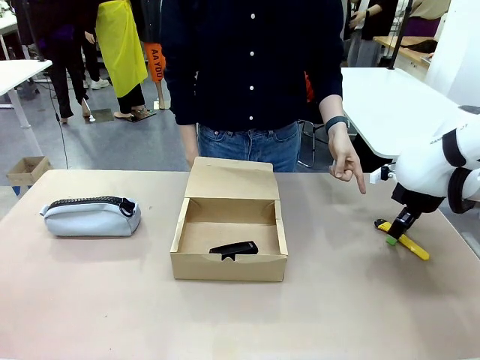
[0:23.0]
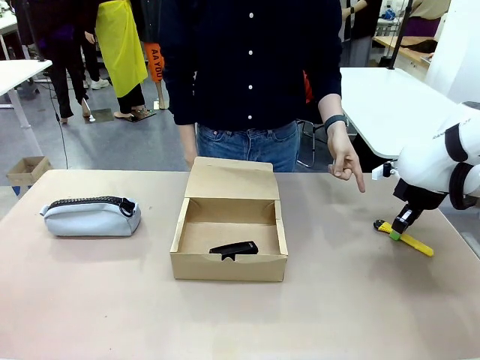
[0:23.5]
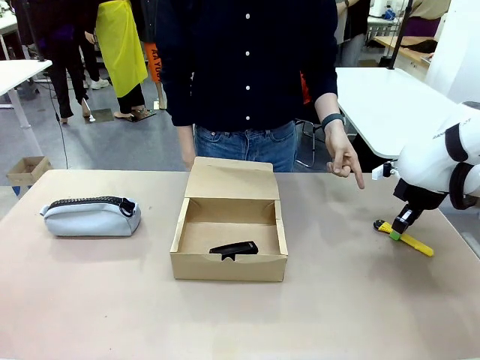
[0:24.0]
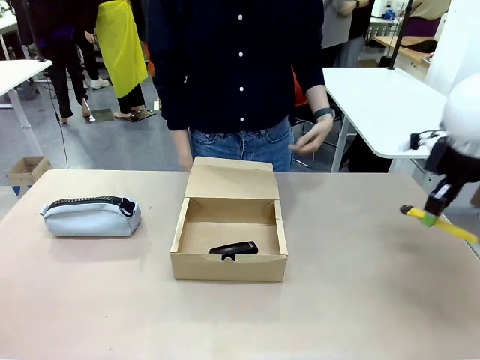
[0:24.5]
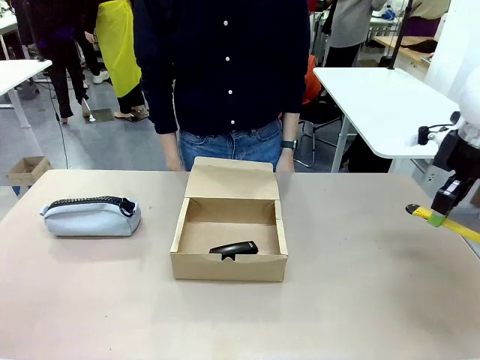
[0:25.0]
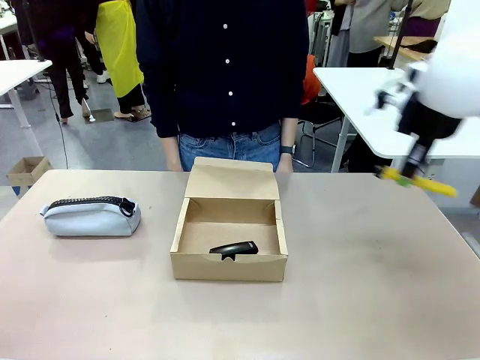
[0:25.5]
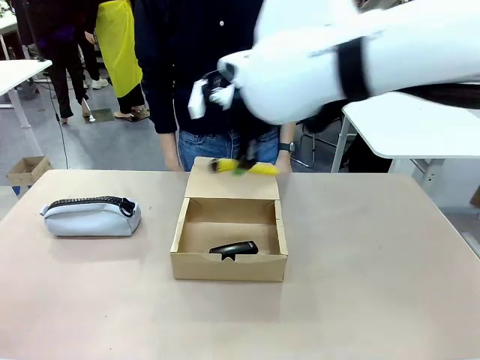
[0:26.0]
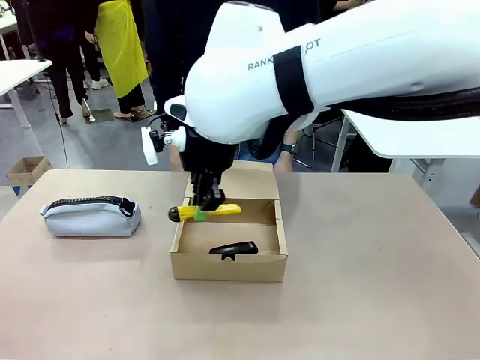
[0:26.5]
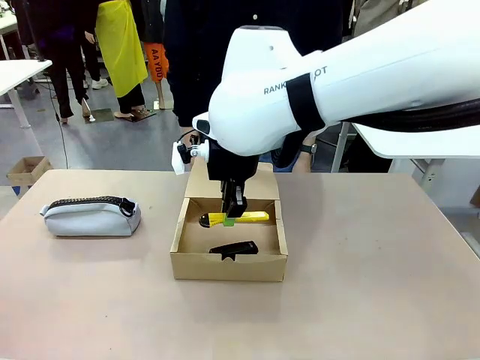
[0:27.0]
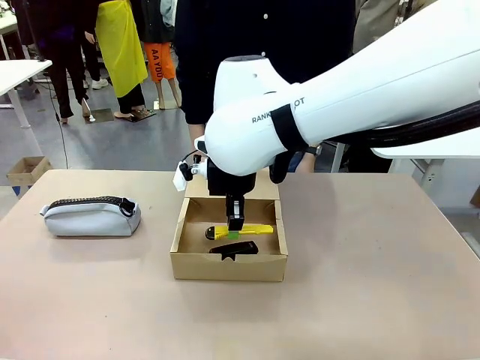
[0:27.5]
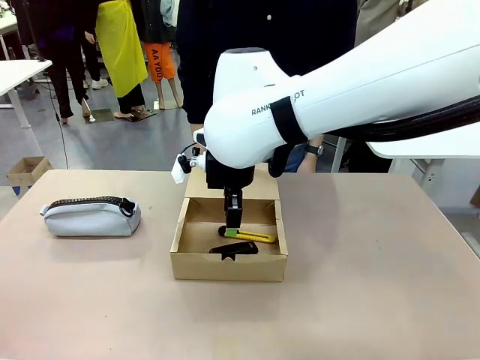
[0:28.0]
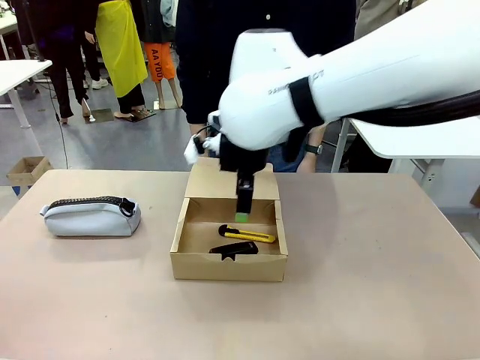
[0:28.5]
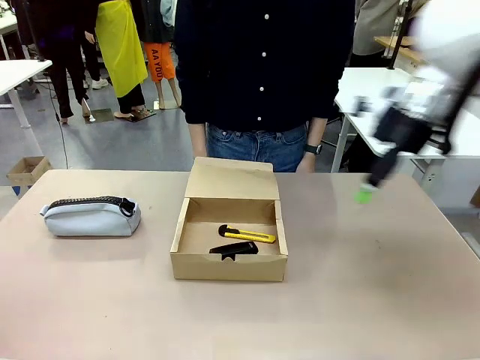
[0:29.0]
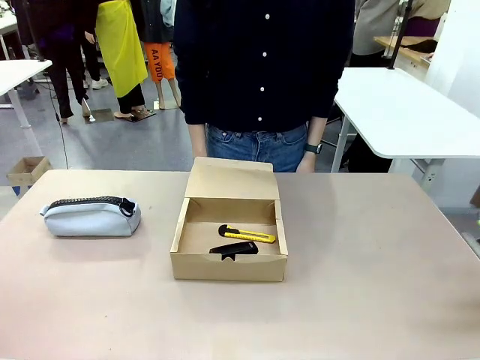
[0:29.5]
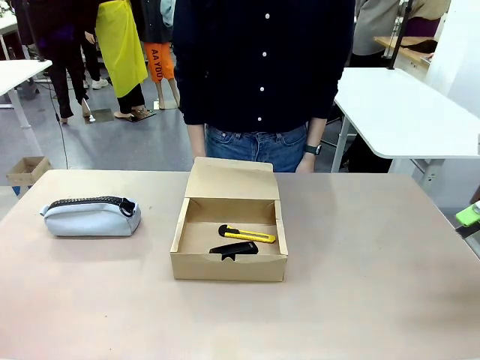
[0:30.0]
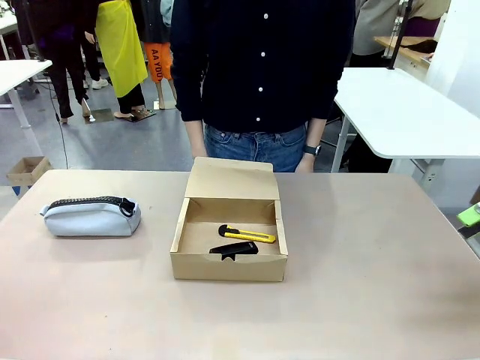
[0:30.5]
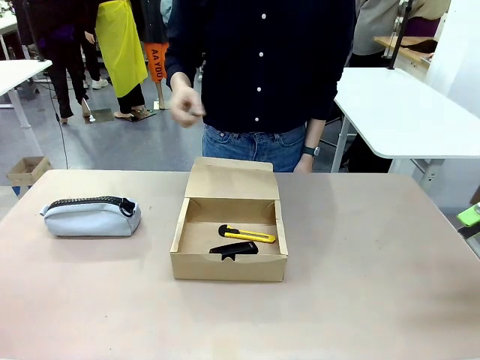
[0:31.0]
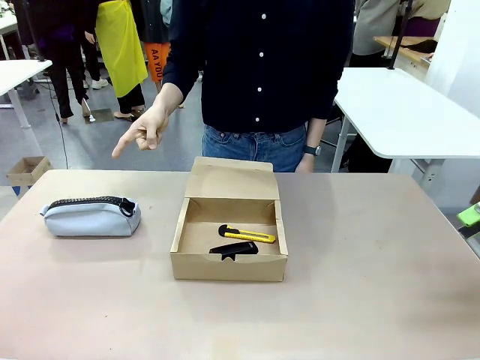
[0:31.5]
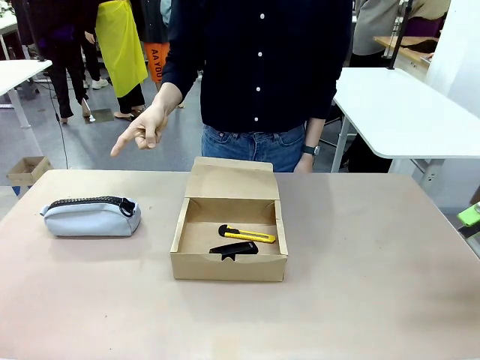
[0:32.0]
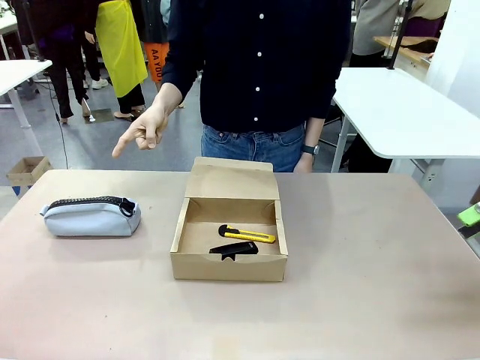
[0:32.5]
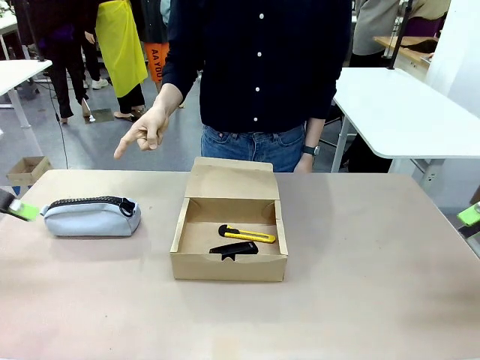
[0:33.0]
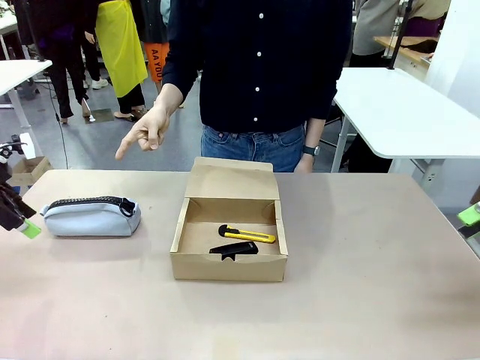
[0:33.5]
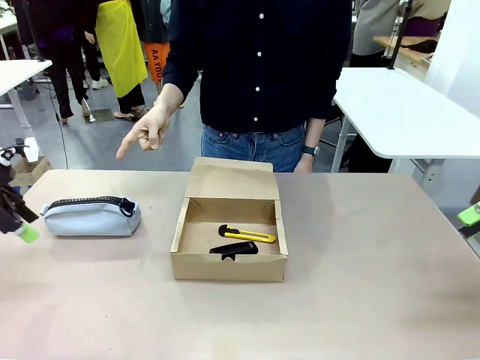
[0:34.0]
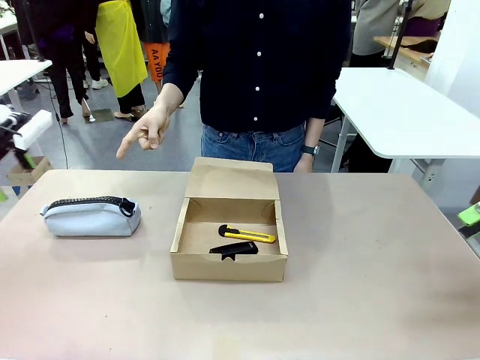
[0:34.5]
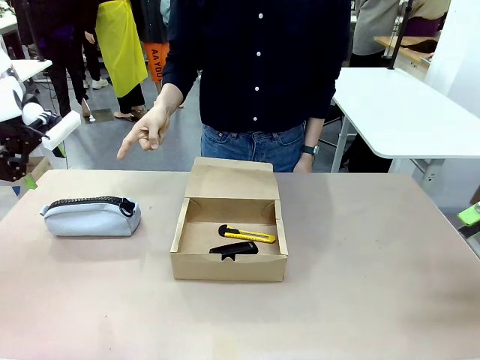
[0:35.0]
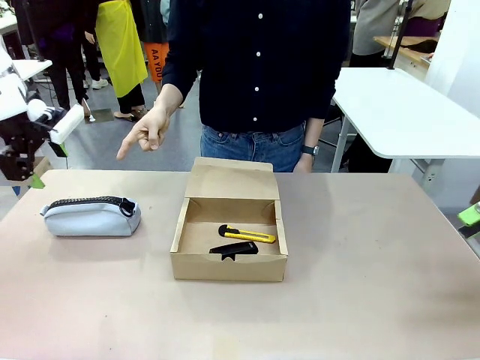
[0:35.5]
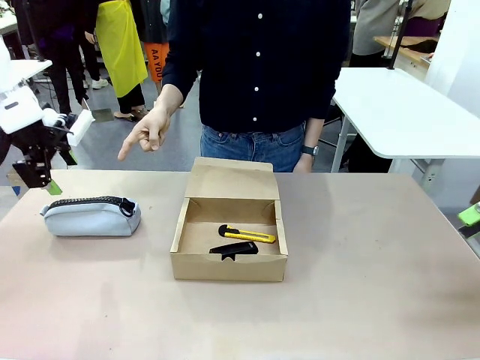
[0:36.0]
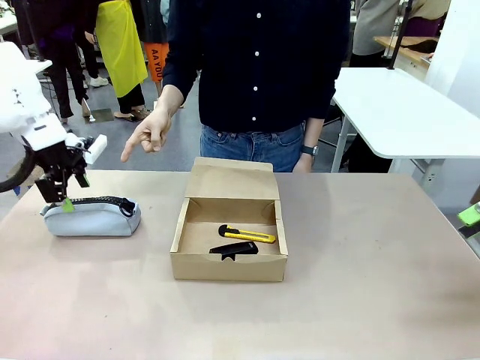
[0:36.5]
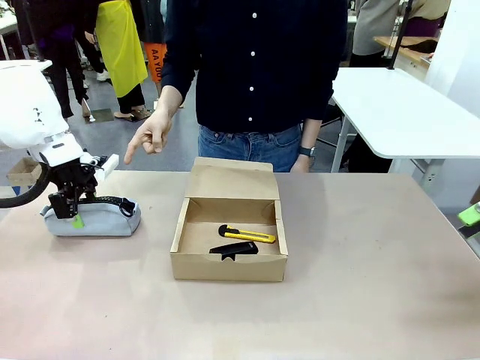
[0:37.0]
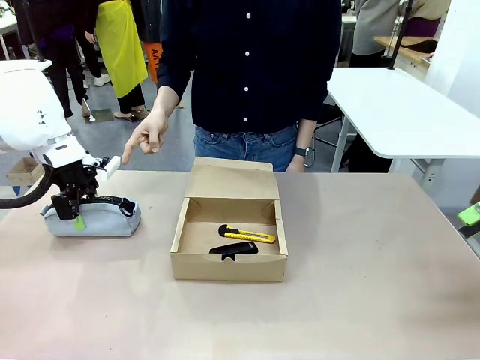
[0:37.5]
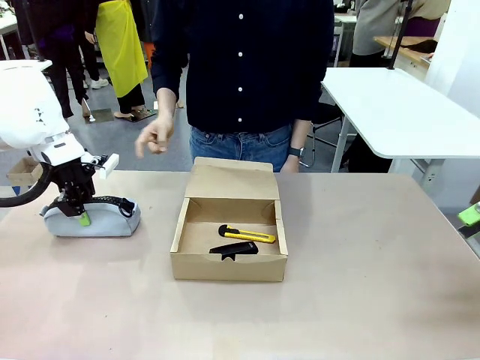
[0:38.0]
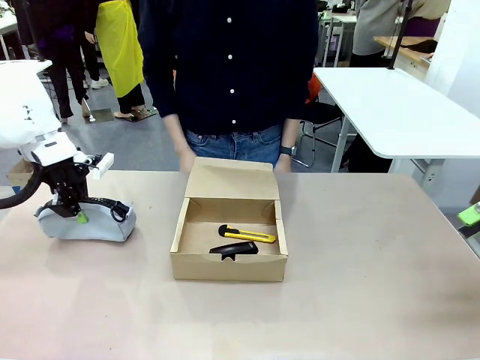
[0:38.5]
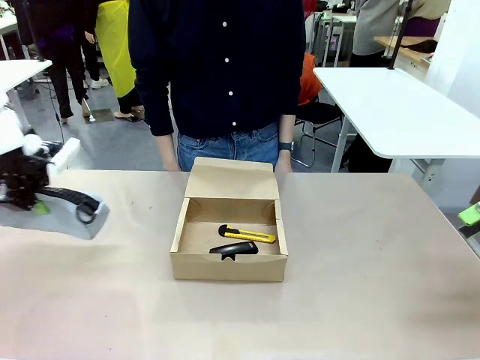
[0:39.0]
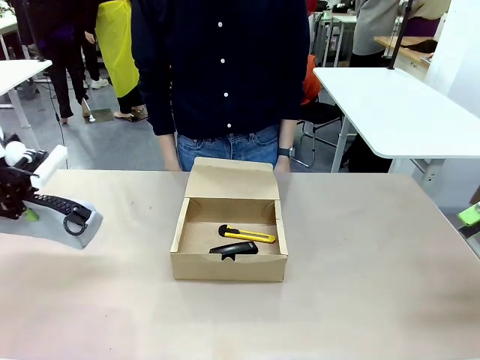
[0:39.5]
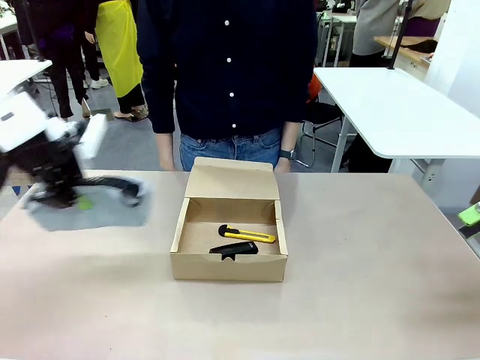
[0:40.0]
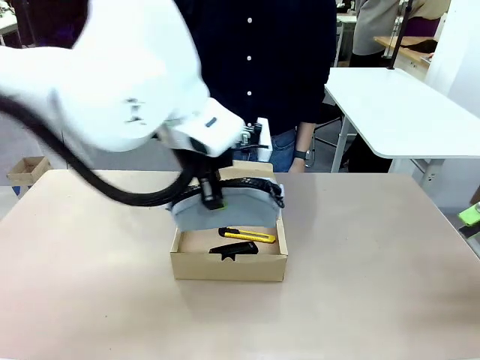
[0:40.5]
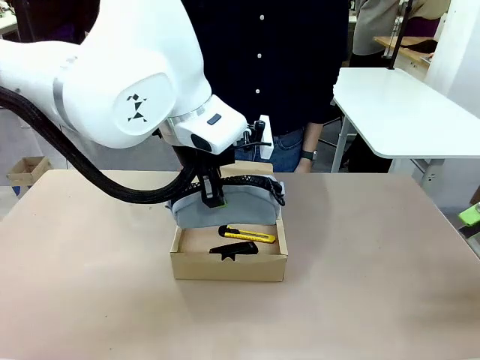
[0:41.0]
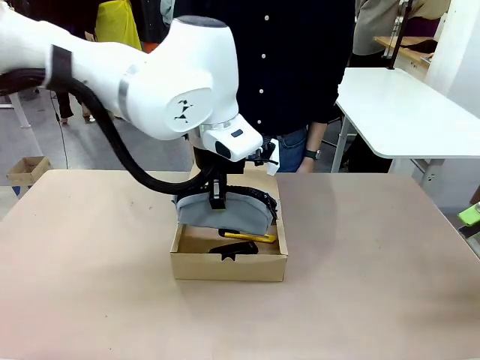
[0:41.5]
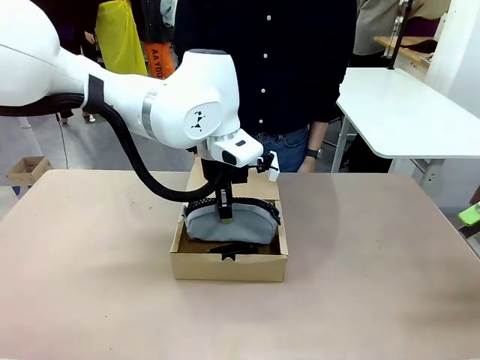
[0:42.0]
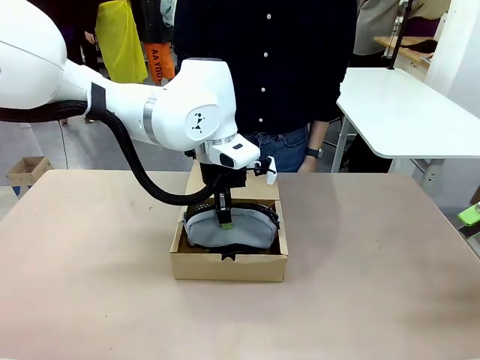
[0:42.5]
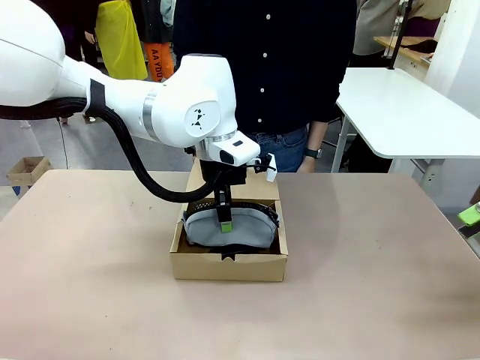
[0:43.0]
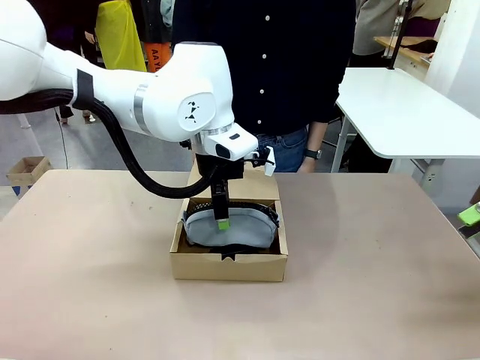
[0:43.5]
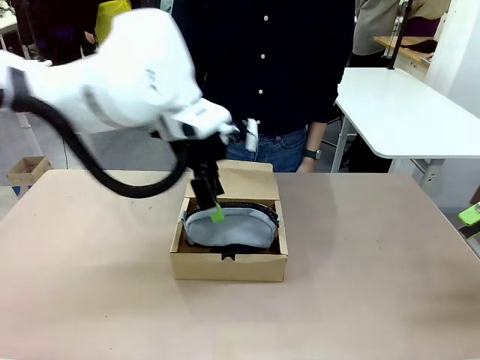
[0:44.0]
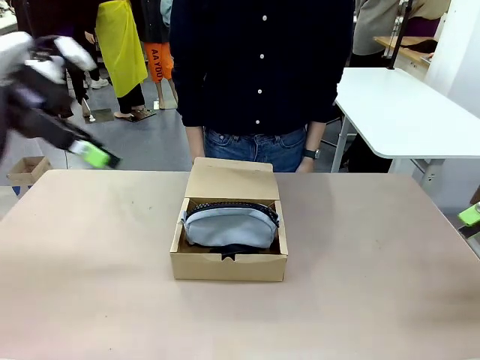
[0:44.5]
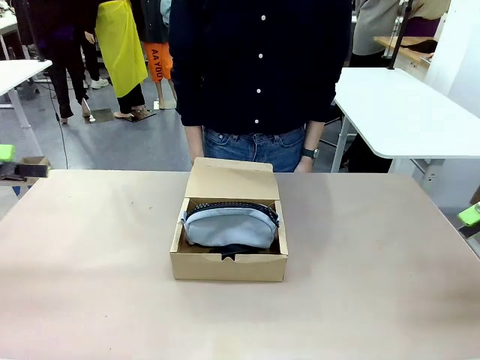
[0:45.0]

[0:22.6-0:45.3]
Task: Pack the items into the box.
Robot: Pick up the item indicated by the person and place it inside the Mailer Box.
Person: Lower both hands vertically with palms facing downward, as if pressing something closed.

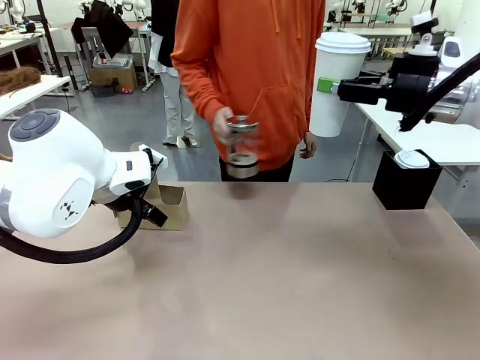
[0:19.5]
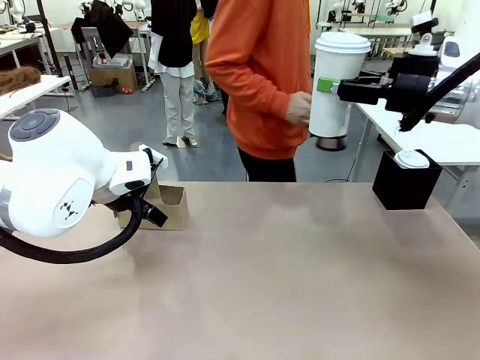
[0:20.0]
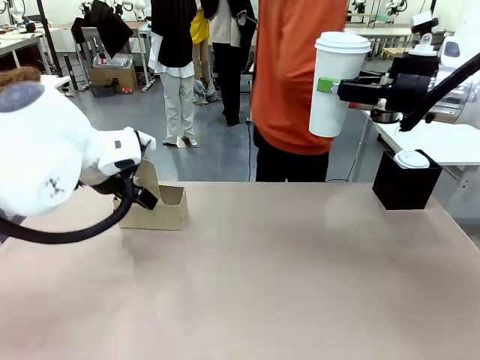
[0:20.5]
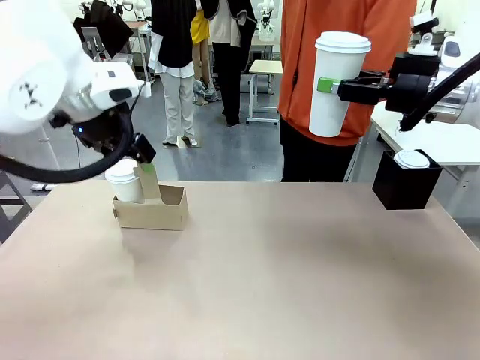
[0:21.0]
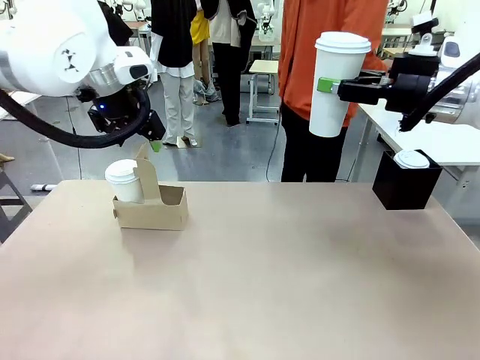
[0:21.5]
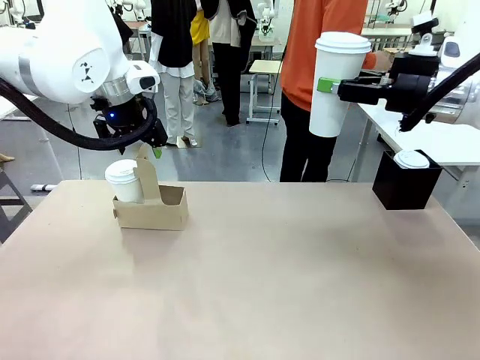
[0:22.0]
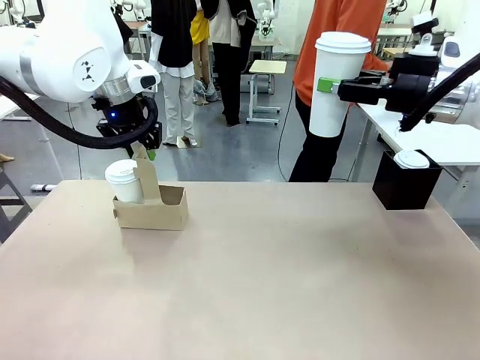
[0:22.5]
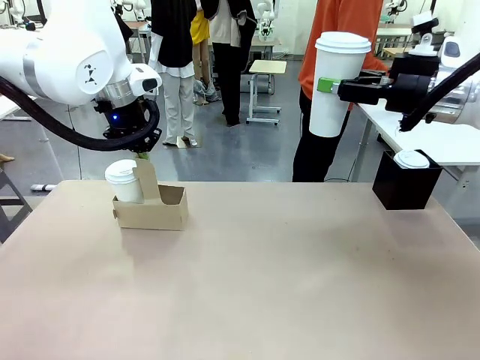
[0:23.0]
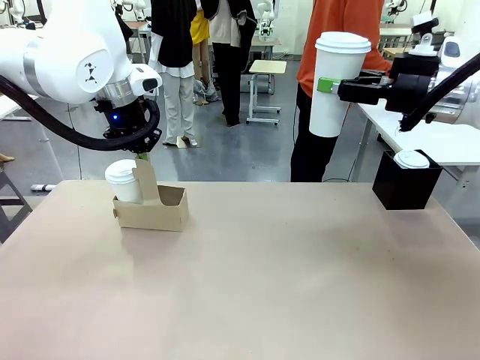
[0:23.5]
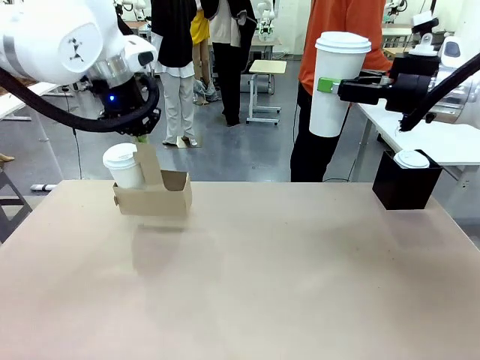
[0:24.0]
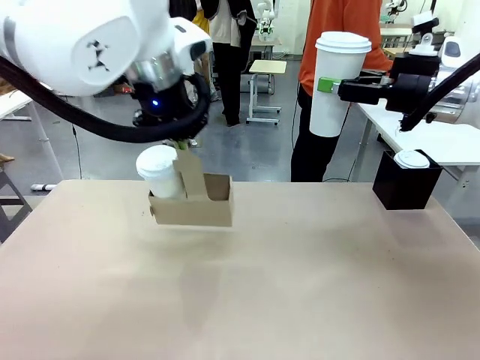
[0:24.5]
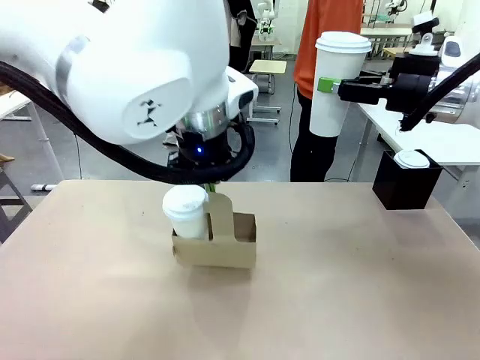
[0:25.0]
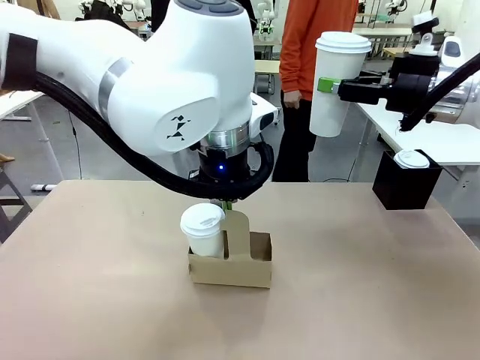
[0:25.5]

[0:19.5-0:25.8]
Task: Pour a drink into a cup and package it in a carrier.
Robot: Position the Cup Carrier in the center of the table.
